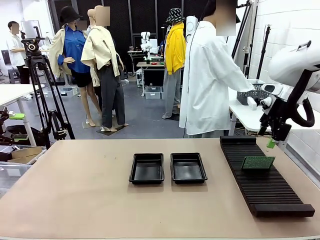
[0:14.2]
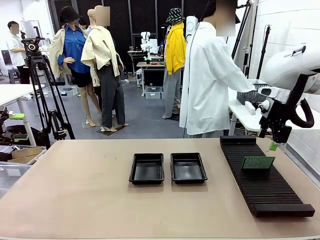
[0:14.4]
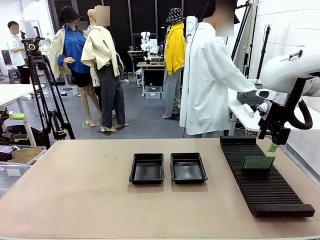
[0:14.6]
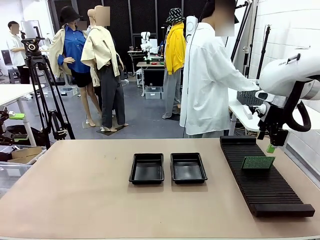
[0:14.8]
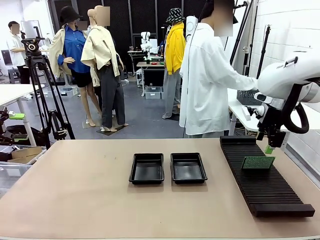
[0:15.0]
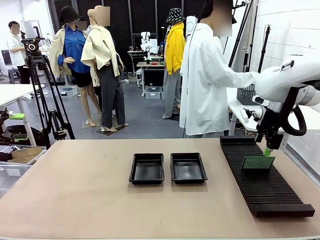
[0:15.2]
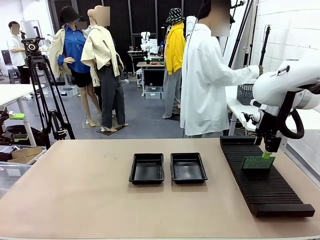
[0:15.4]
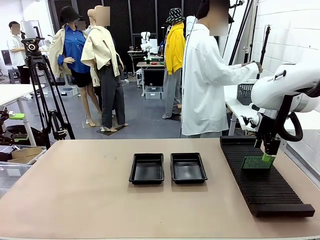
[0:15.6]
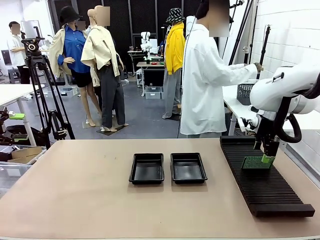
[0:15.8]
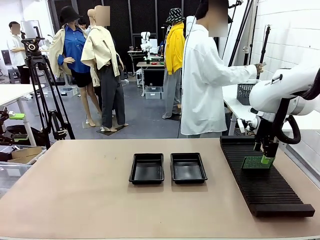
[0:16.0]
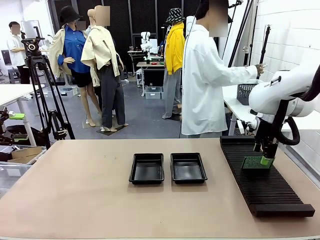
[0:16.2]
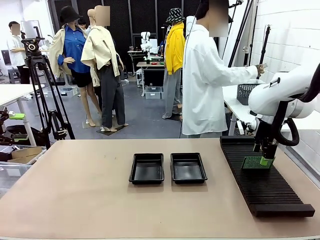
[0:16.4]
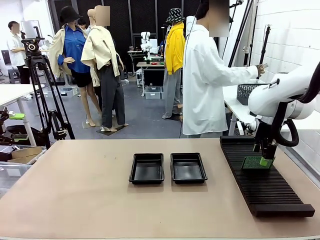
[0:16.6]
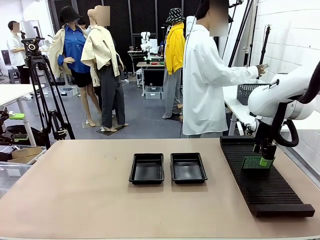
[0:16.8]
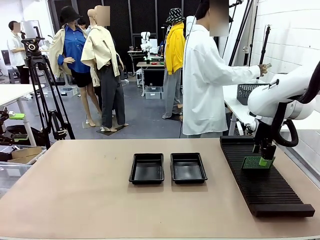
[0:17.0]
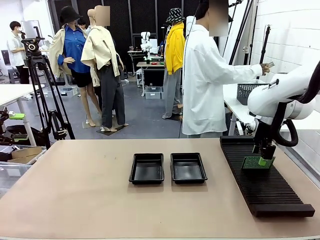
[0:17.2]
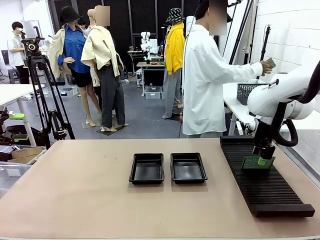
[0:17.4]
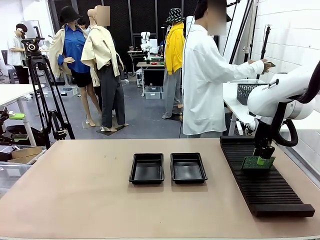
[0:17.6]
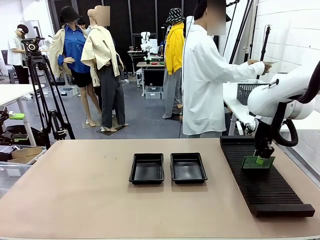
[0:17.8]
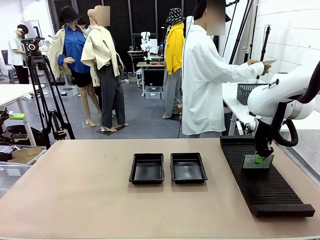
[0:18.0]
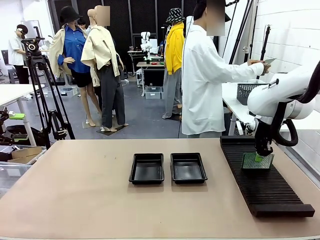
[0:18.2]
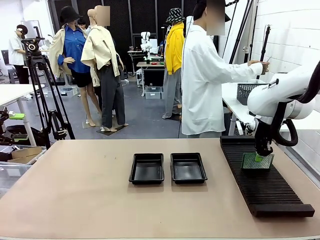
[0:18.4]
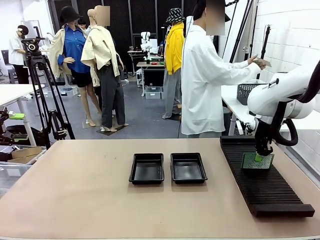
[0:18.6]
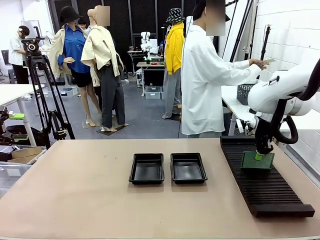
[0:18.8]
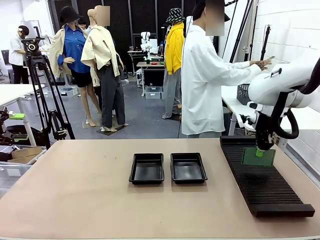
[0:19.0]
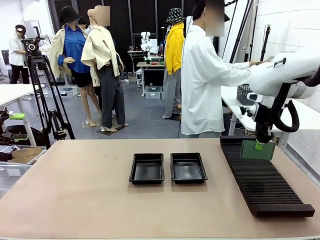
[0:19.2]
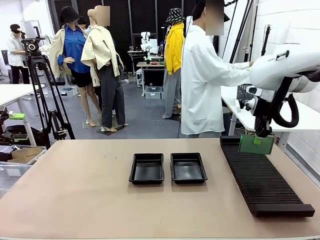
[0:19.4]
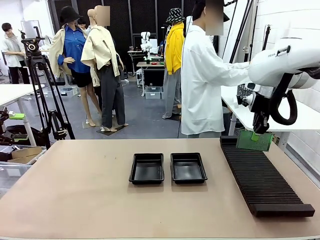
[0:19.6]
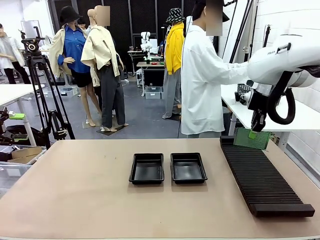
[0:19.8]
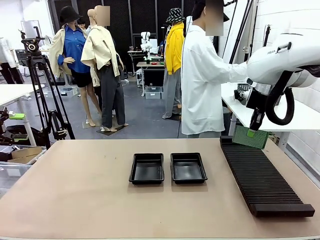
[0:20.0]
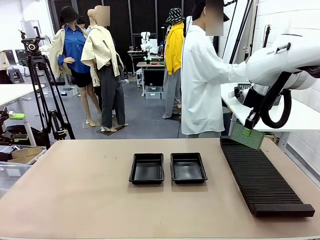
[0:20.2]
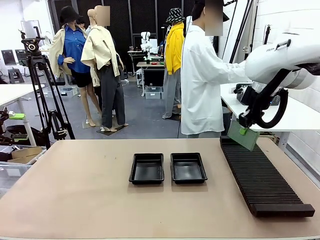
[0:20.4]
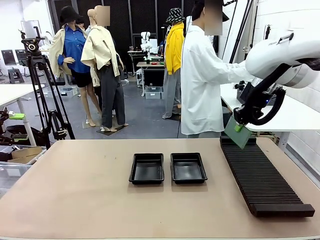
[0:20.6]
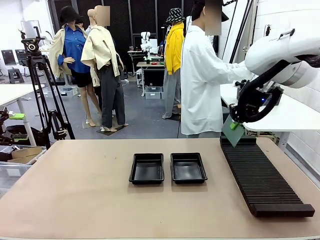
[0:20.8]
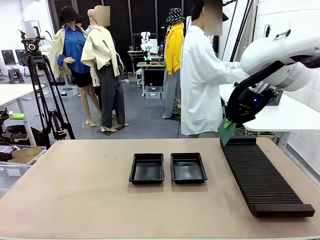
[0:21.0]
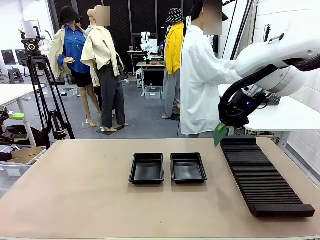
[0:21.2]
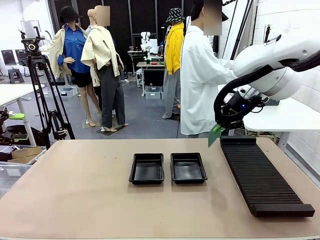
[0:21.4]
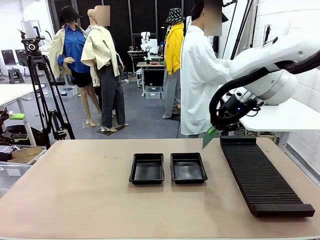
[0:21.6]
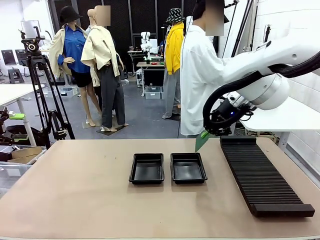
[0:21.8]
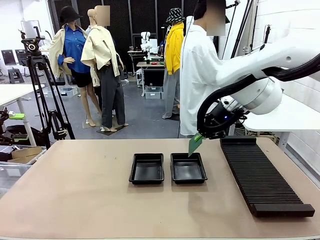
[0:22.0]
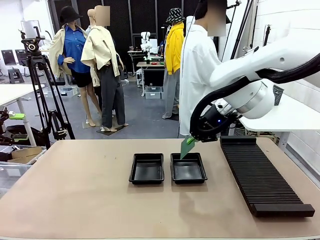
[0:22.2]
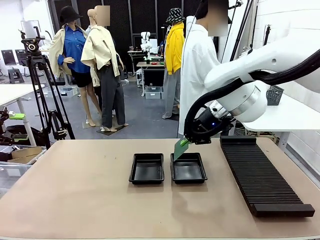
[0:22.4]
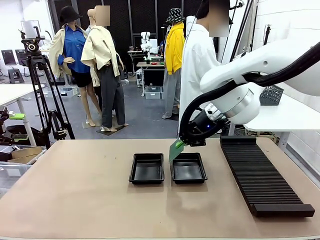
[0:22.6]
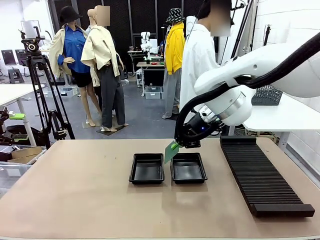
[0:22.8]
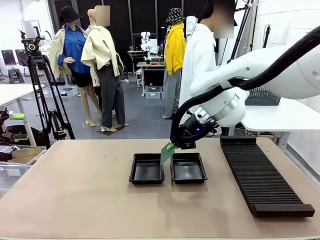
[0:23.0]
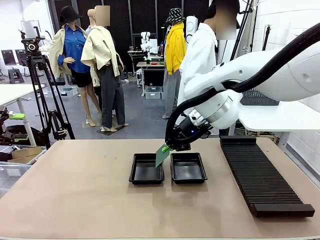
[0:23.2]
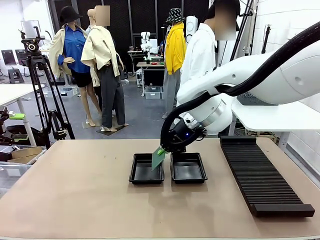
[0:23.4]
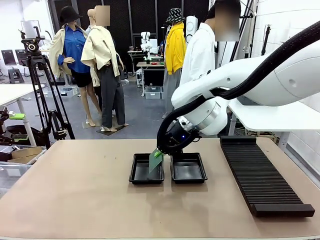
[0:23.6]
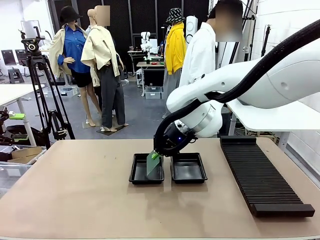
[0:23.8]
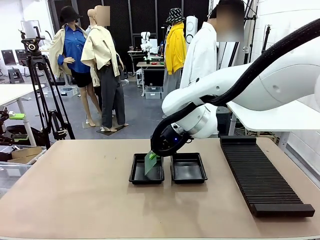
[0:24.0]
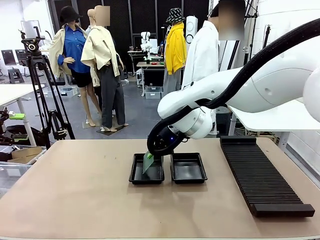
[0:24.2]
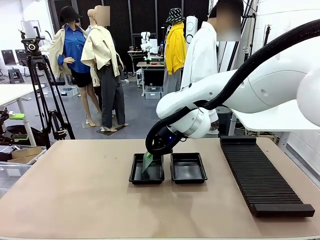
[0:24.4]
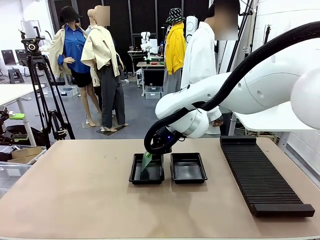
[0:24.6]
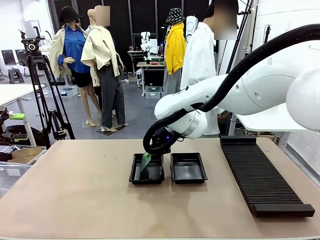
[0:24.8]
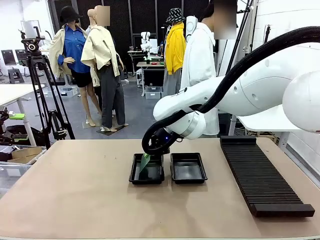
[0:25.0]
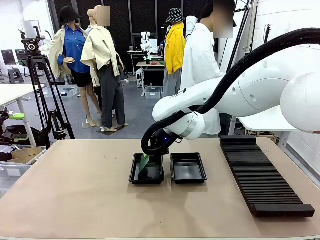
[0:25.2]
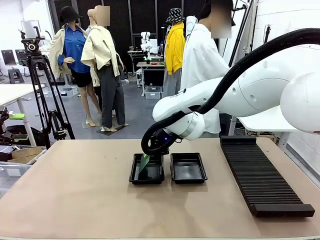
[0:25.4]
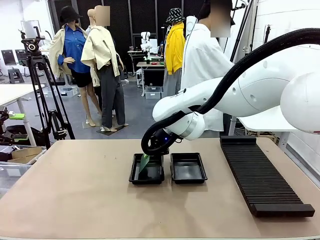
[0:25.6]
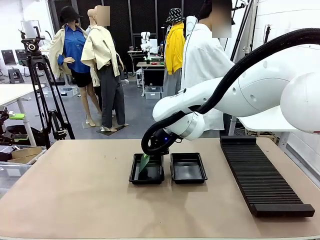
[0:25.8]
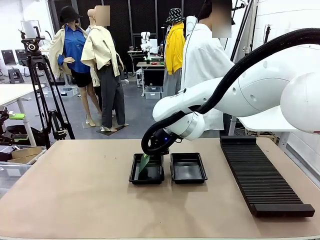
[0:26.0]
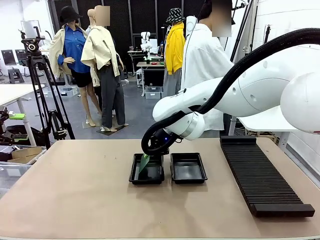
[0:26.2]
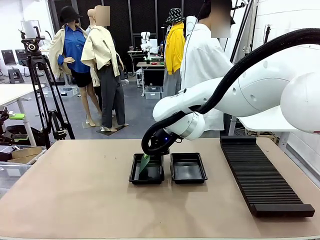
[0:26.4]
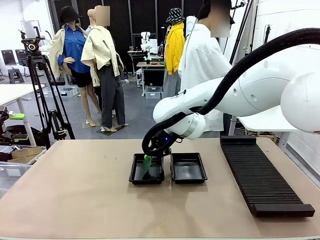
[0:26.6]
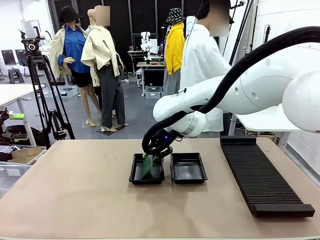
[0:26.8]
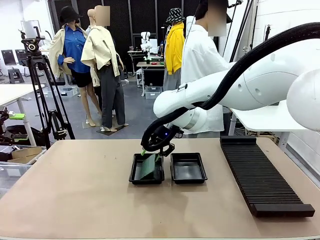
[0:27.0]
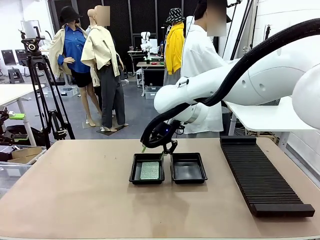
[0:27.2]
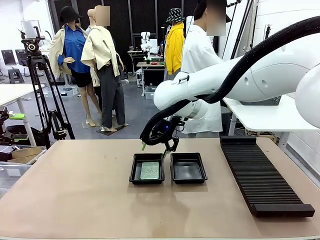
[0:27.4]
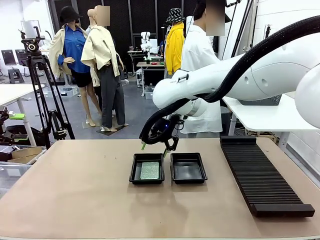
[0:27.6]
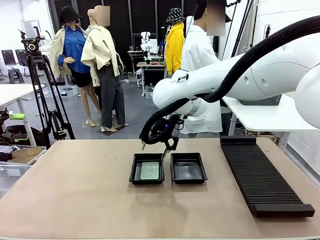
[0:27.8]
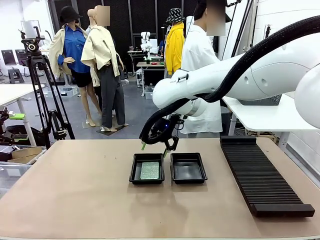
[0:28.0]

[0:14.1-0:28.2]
Task: Inspect and transfer BCBs to ESD trays.
Robot: Pick up the Blank PCB from the PCB Rack and place it in the left ESD tray.

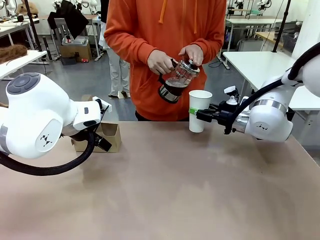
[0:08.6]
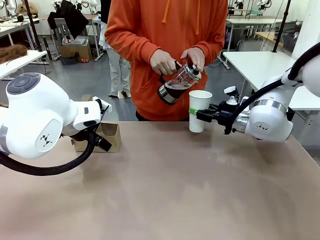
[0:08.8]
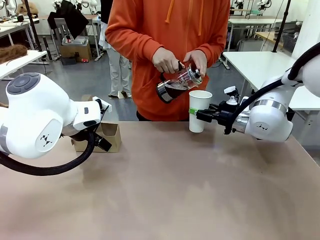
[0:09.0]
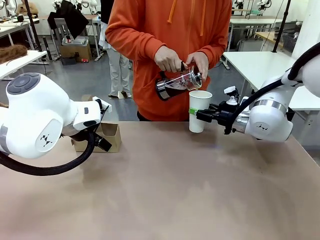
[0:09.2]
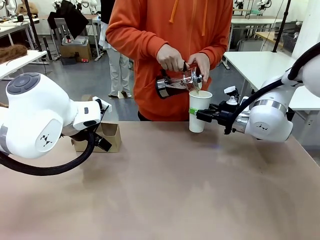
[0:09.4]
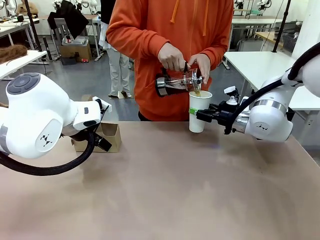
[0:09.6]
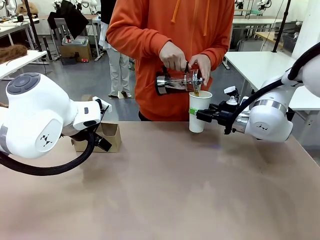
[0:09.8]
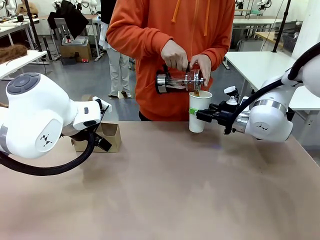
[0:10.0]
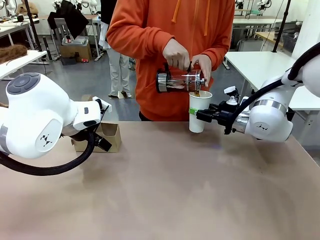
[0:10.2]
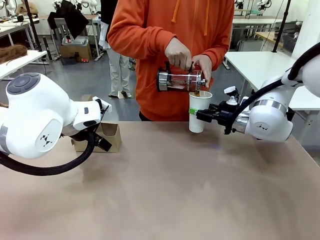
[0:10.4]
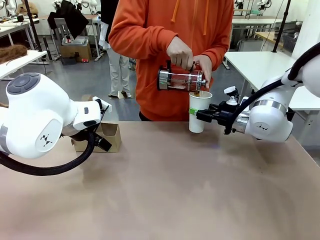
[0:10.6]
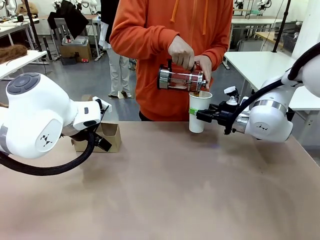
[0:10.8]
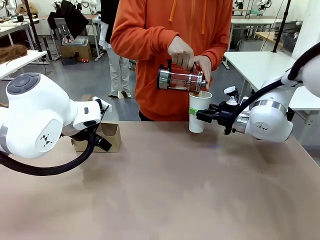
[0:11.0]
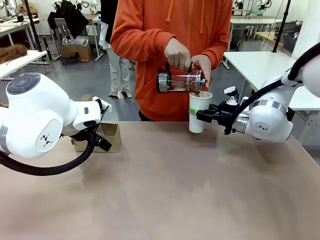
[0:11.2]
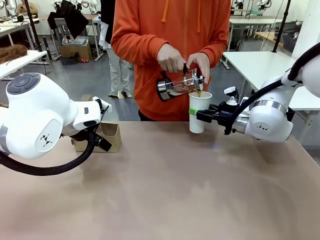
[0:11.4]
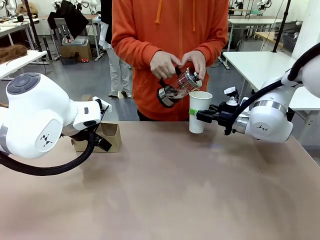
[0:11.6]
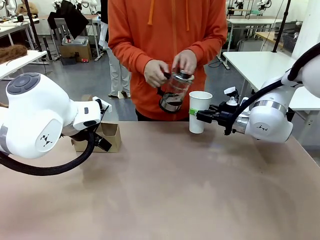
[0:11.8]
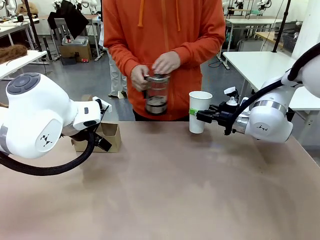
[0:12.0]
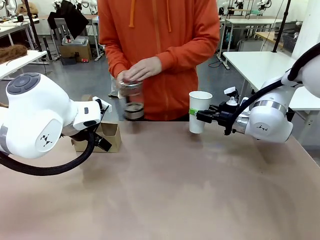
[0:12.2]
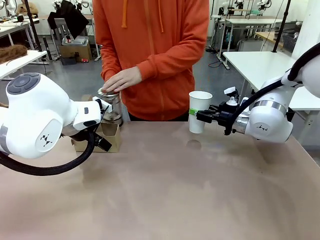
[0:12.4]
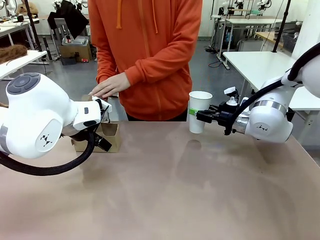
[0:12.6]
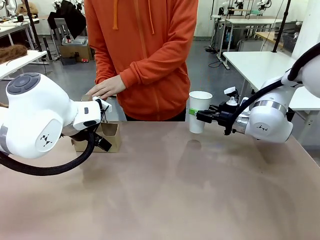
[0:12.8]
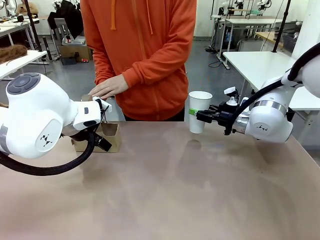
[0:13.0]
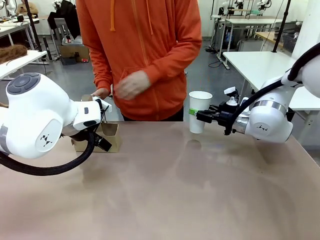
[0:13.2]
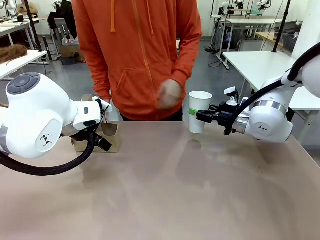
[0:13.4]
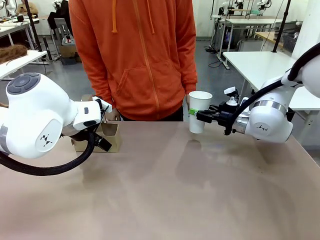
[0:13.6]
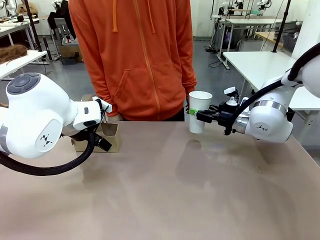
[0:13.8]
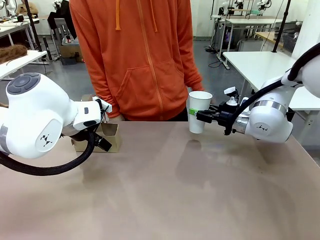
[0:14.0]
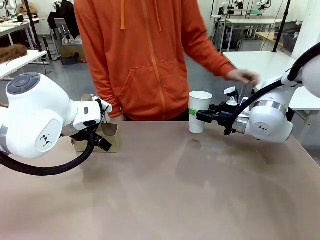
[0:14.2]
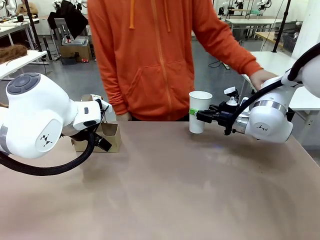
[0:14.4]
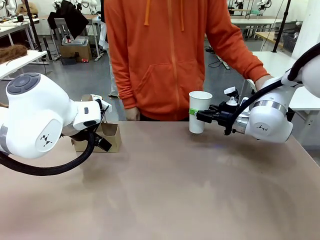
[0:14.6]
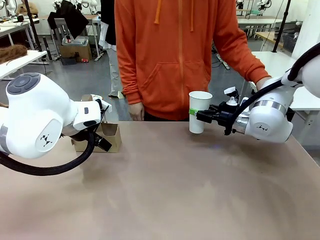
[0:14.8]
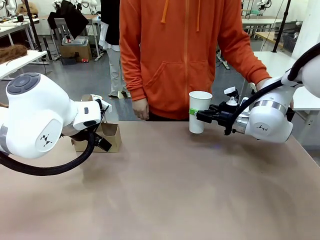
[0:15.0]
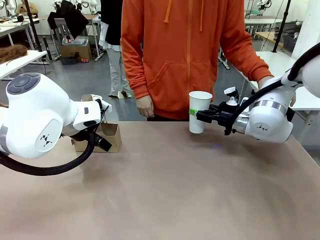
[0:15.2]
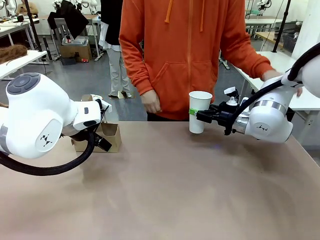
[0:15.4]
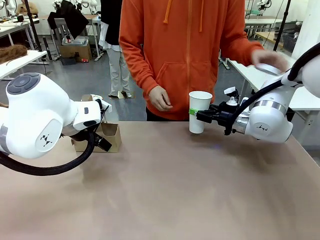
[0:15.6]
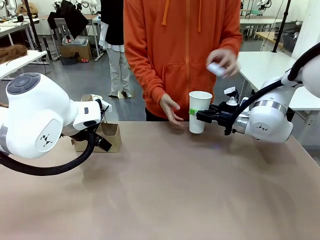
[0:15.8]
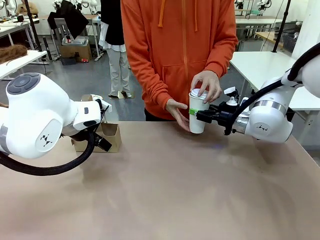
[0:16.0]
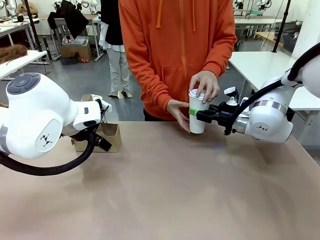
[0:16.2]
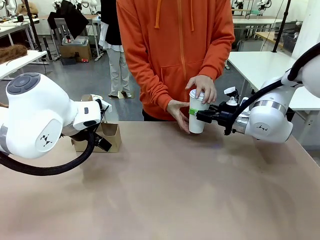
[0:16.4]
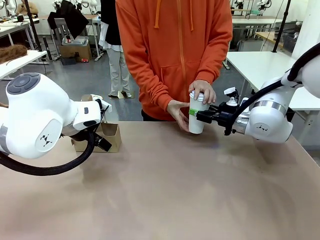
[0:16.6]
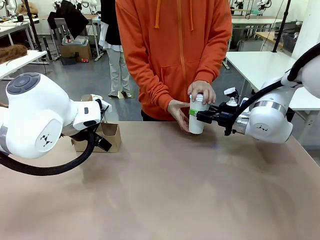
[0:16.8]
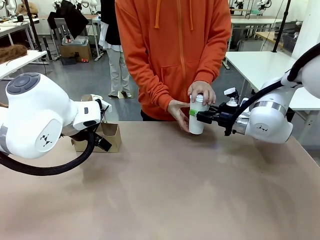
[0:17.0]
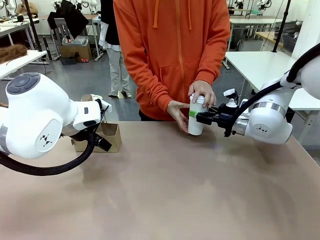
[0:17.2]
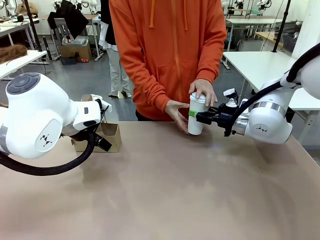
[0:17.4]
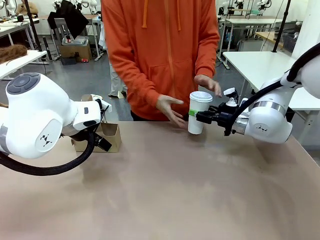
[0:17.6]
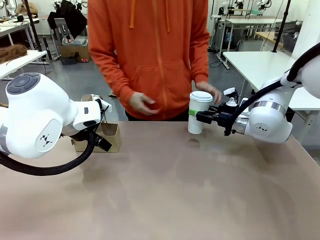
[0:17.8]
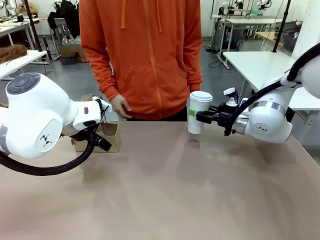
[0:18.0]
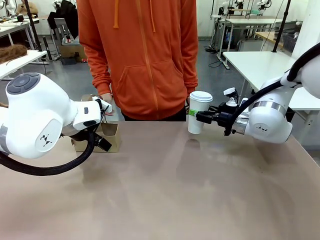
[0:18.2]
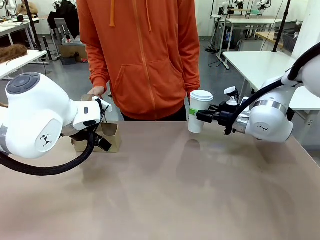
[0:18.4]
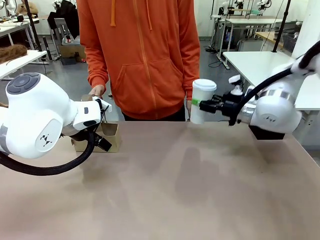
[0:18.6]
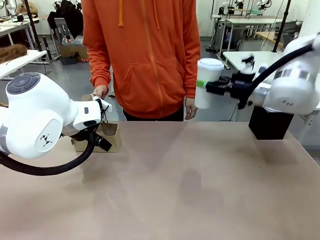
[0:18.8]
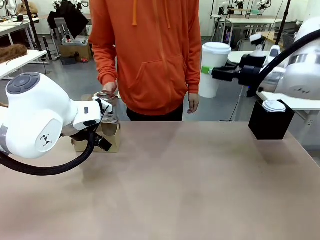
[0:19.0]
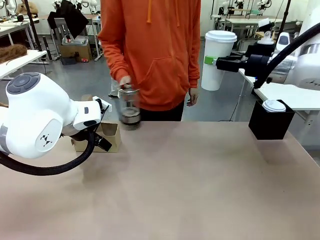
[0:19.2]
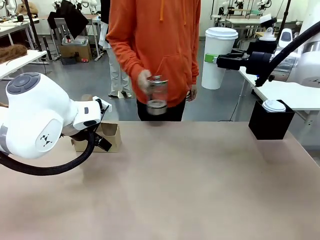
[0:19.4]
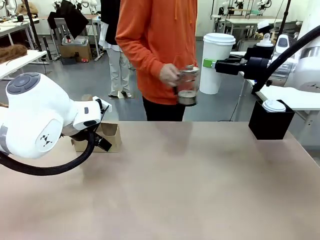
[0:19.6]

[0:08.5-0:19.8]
Task: Pour a drink into a cup and package it in a carrier.
Robot: When a person places the Paper Cup Lid on the 600 ml Paper Cup , lift the 600 ml Paper Cup.
Person: Pour the drink from the Filter Brewing into the 600 ml Paper Cup. Place a Paper Cup Lid on the 600 ml Paper Cup.
